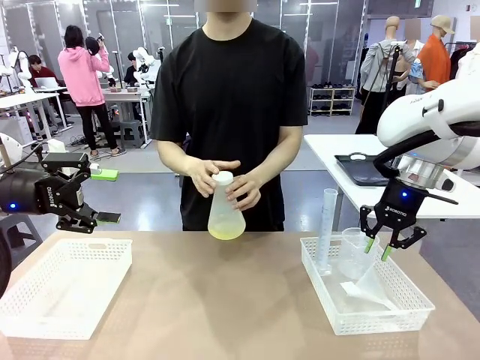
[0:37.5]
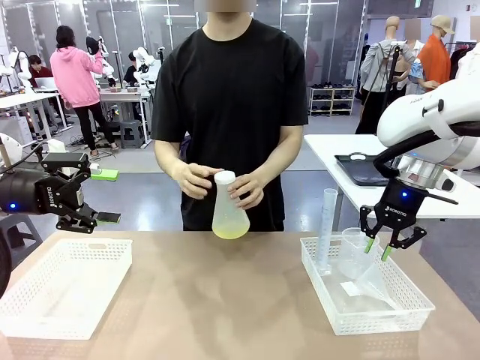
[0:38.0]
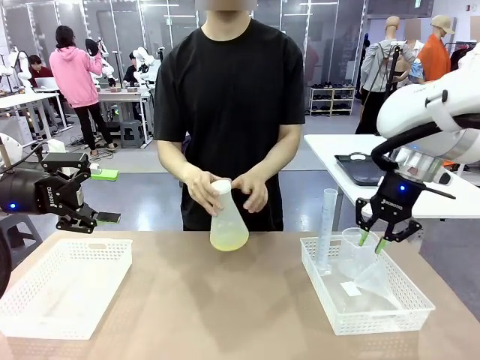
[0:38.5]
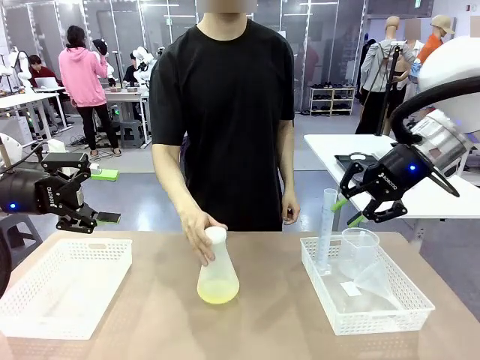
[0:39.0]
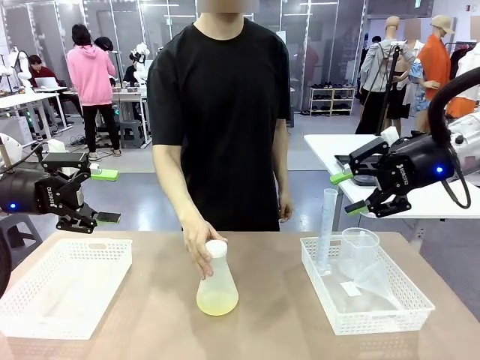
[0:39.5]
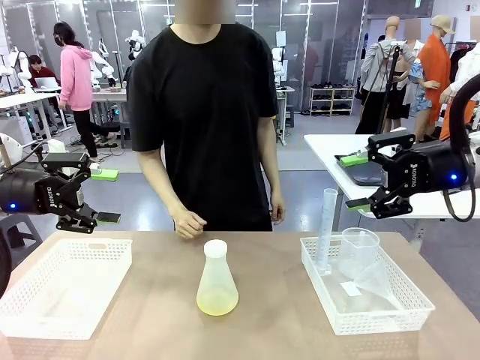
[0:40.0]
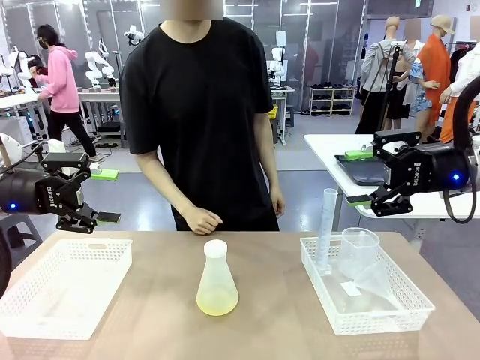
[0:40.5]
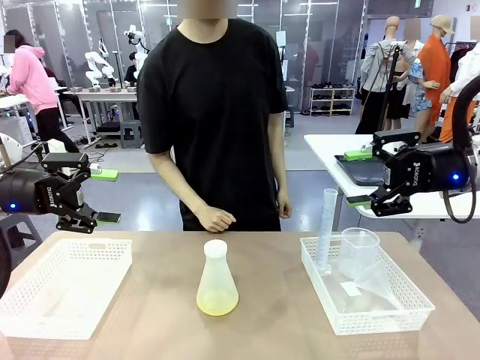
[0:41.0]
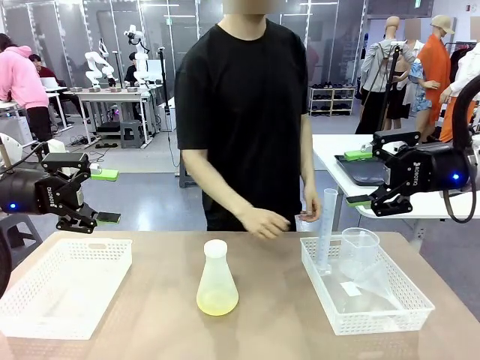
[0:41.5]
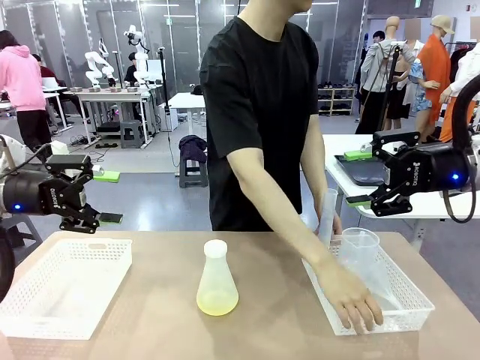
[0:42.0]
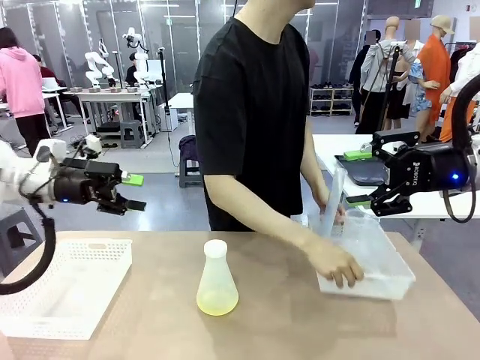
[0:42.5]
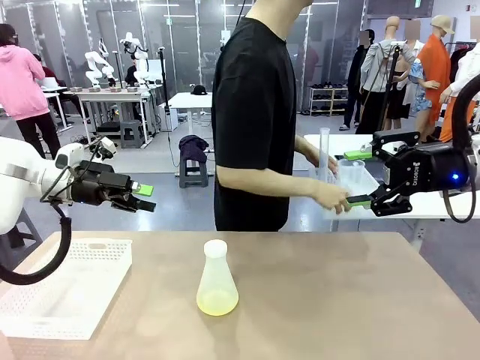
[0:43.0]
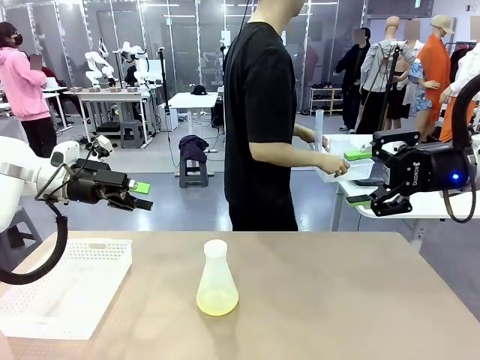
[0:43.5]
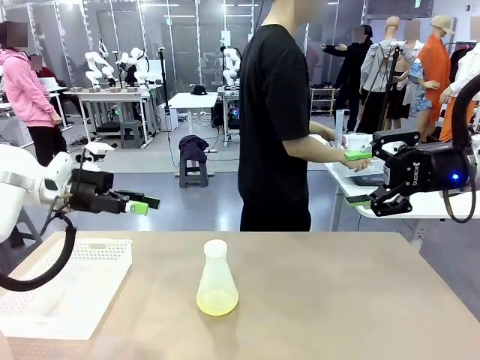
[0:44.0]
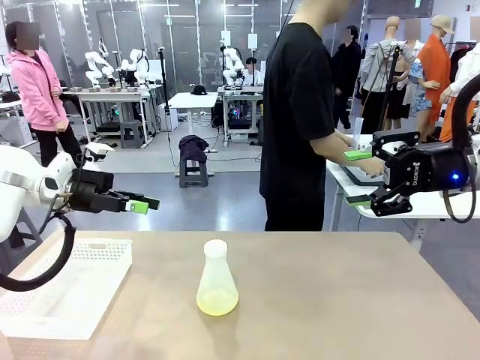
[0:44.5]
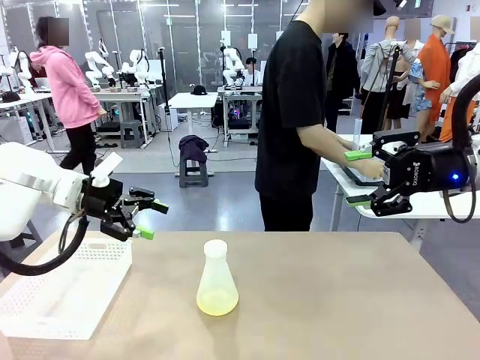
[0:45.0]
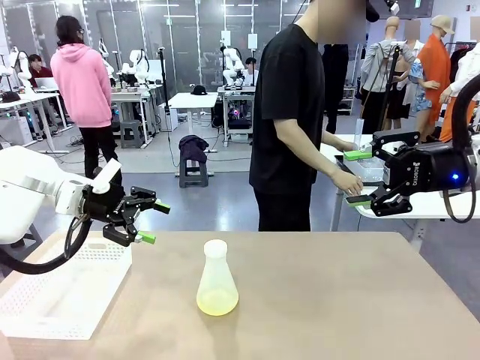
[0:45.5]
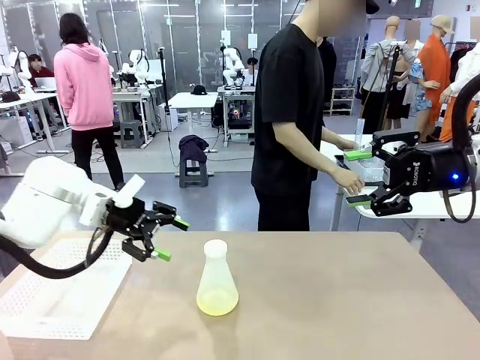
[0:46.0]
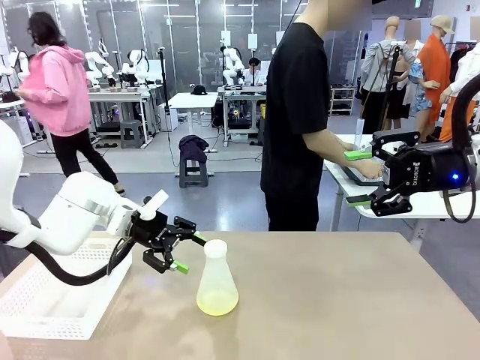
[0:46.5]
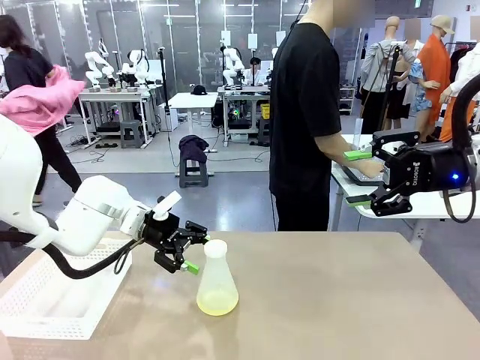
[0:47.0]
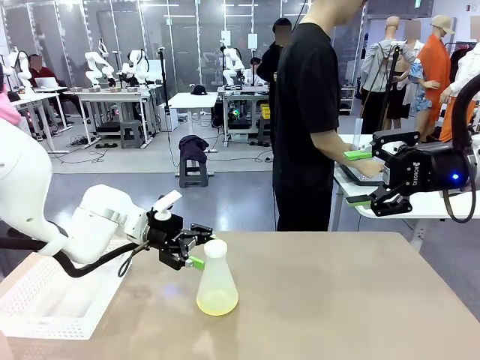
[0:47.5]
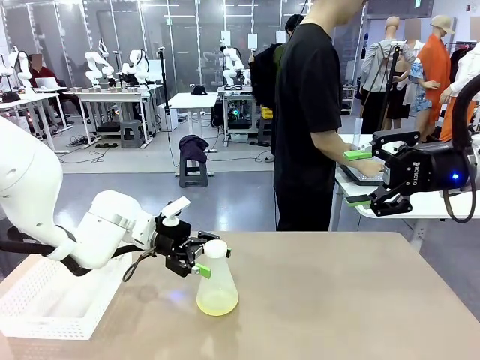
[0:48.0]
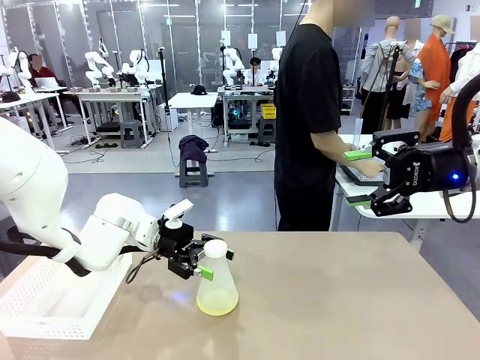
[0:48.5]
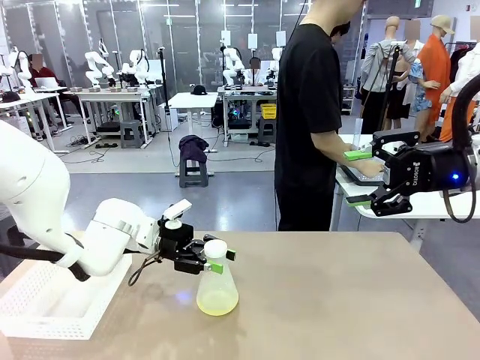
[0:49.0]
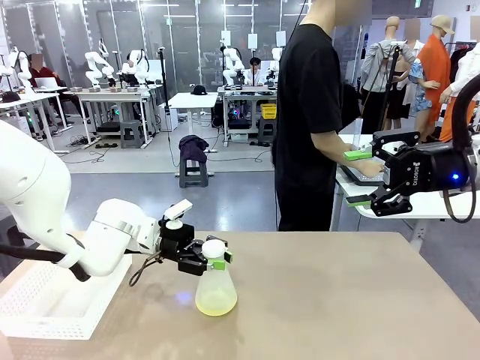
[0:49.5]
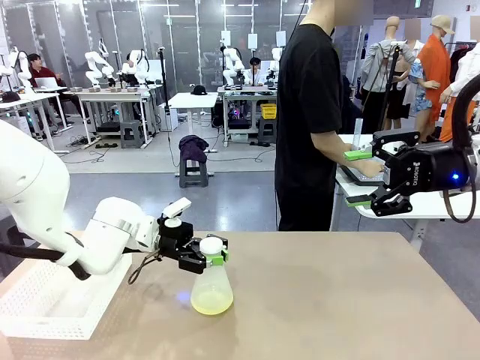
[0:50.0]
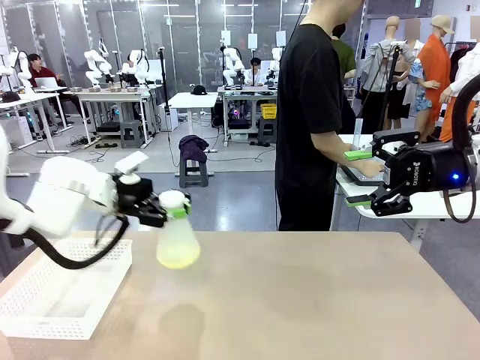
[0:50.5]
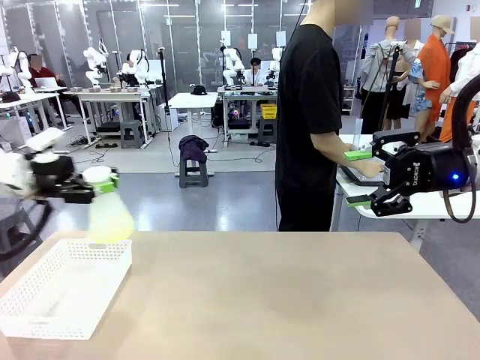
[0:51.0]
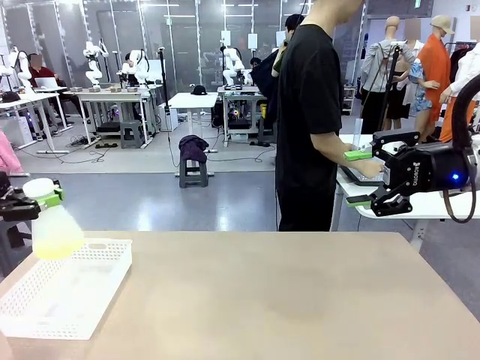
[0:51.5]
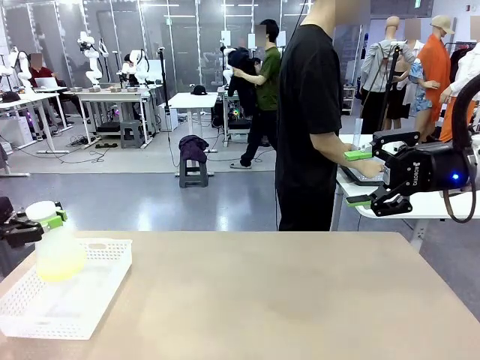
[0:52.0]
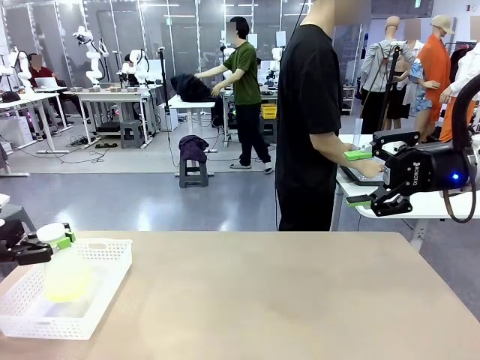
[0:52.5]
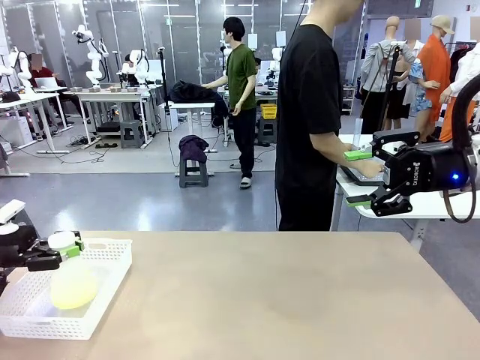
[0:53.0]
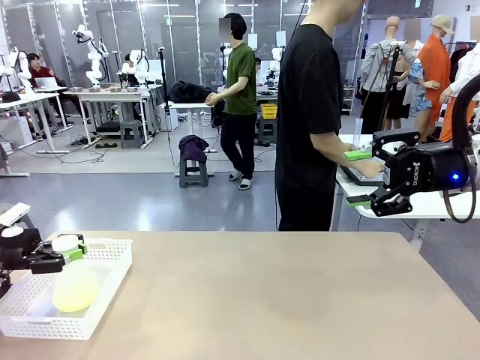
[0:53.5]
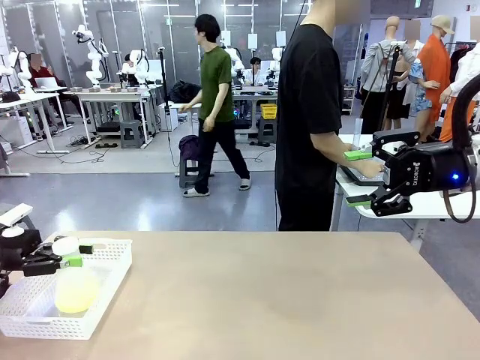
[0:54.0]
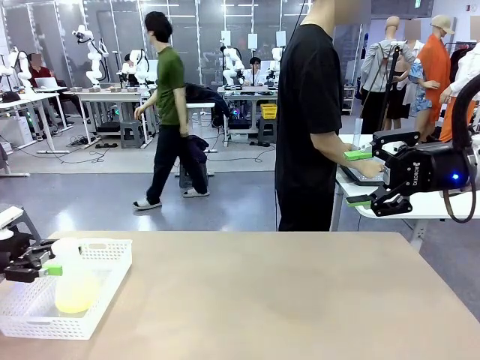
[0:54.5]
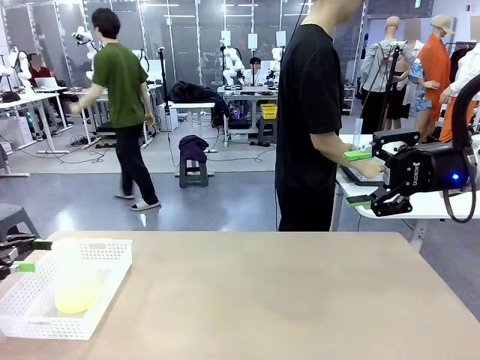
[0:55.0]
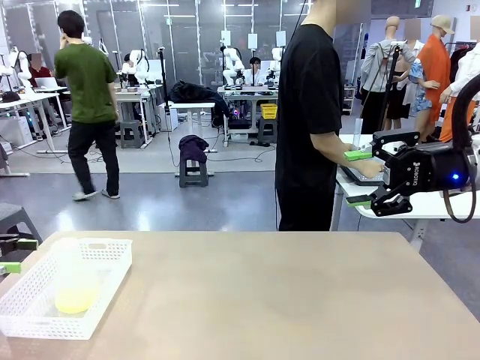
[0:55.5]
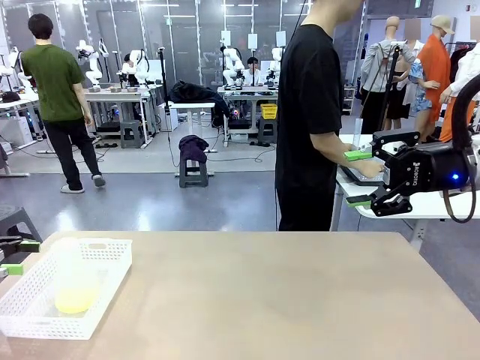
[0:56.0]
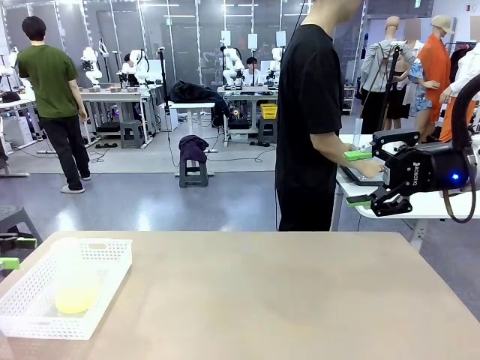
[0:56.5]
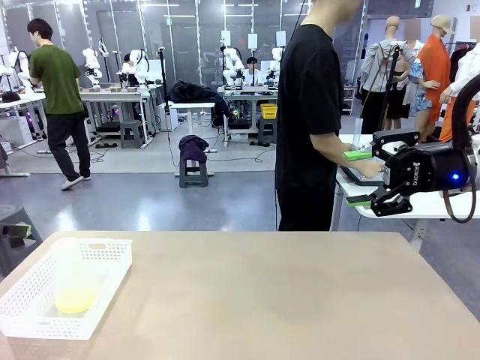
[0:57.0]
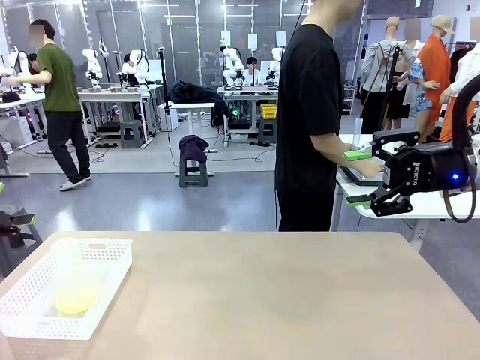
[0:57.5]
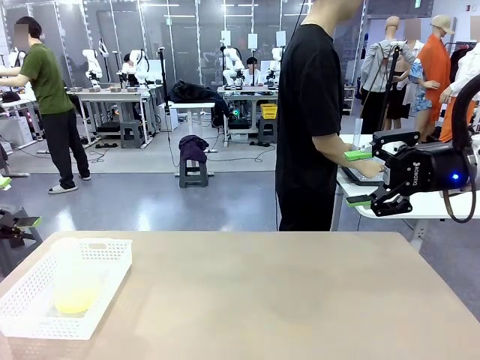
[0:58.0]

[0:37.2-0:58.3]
Task: Prepare the solutions needed for the experiment.
Robot: When the human places the Big flask in the center of the table, pick up the Big flask and place it in the left Organizing basket.
Person: Pick up the organizing basket on the left side of the robot table and place it on the left side of the human table.
